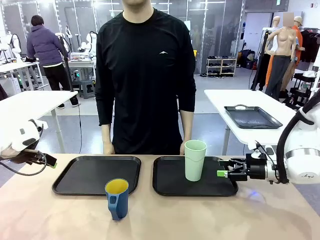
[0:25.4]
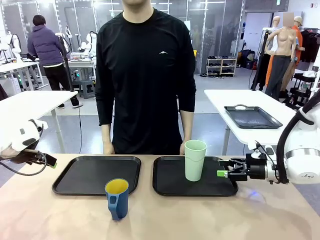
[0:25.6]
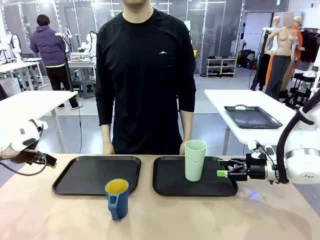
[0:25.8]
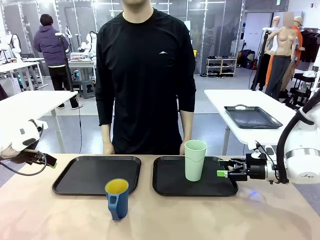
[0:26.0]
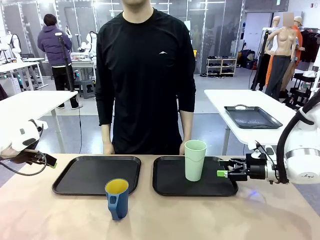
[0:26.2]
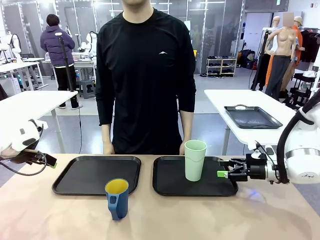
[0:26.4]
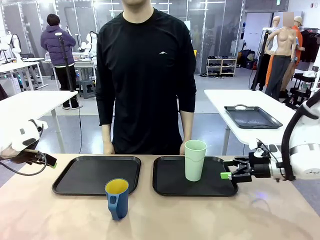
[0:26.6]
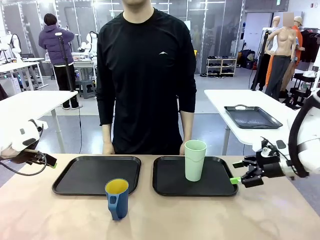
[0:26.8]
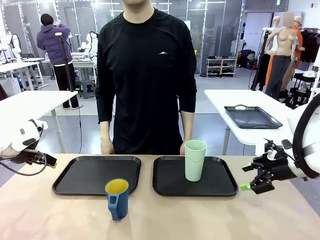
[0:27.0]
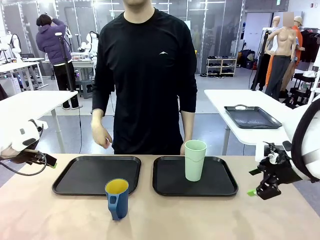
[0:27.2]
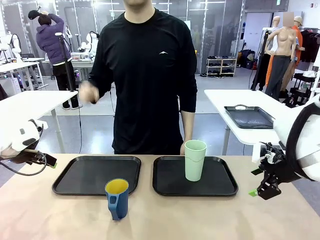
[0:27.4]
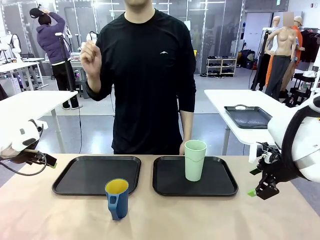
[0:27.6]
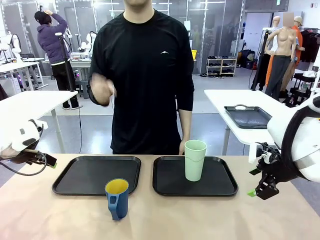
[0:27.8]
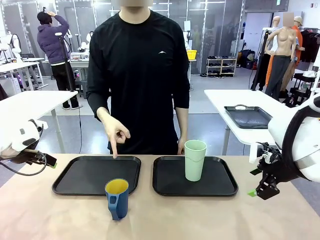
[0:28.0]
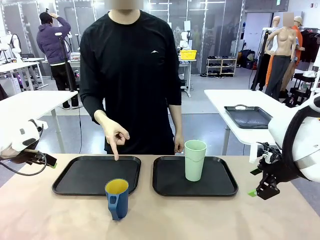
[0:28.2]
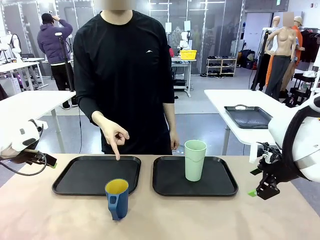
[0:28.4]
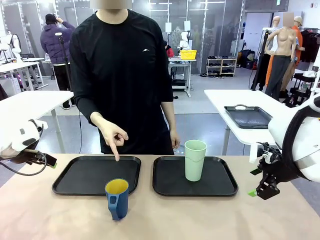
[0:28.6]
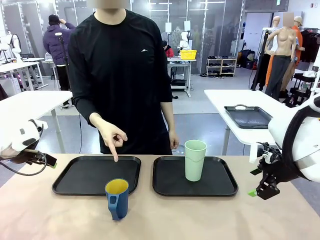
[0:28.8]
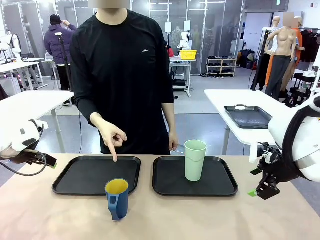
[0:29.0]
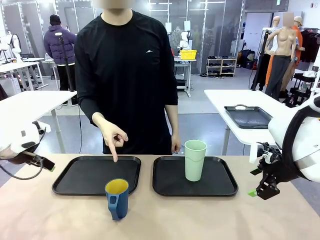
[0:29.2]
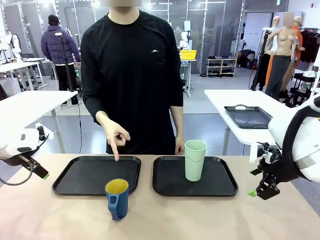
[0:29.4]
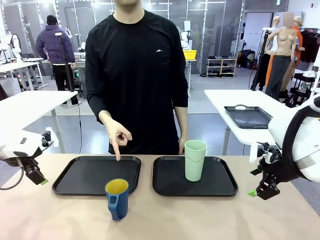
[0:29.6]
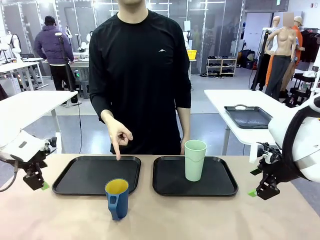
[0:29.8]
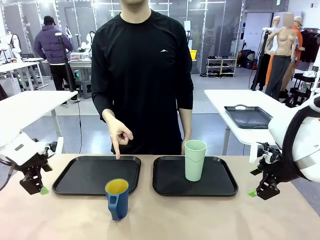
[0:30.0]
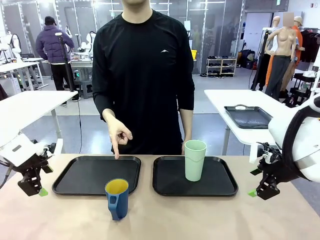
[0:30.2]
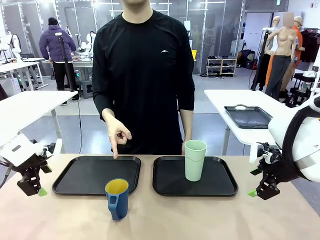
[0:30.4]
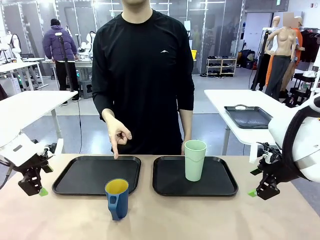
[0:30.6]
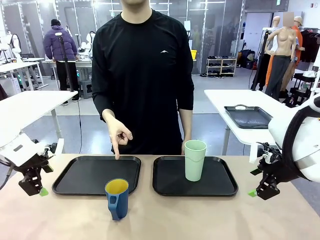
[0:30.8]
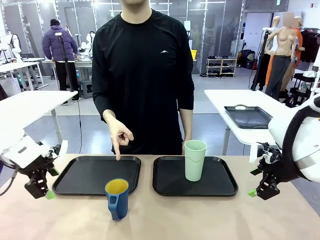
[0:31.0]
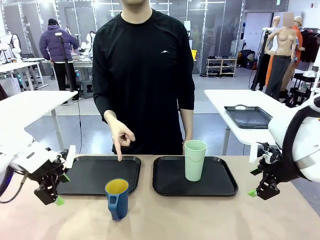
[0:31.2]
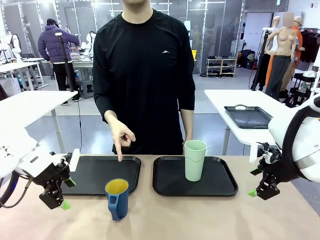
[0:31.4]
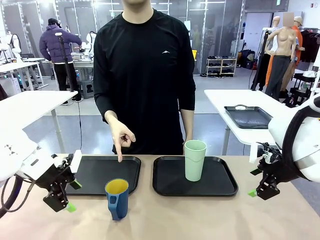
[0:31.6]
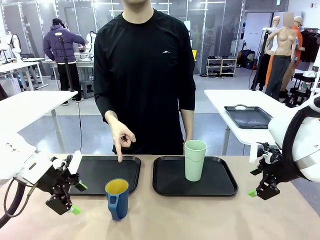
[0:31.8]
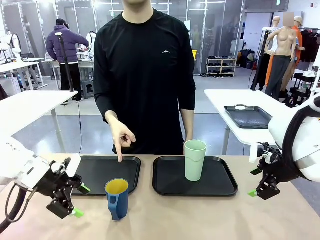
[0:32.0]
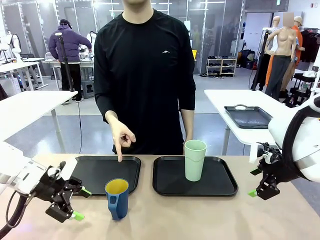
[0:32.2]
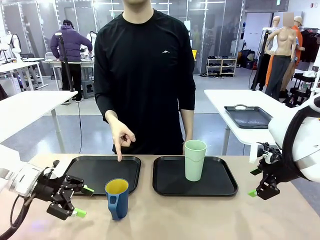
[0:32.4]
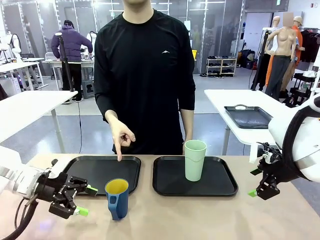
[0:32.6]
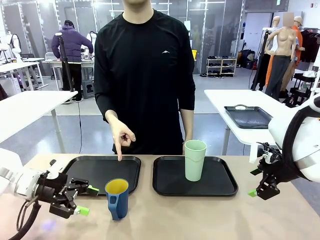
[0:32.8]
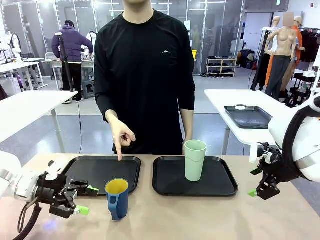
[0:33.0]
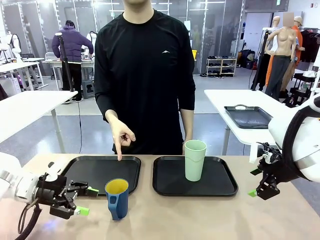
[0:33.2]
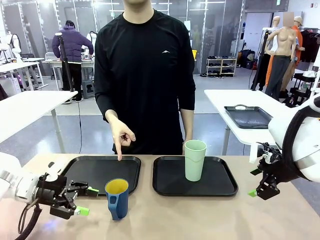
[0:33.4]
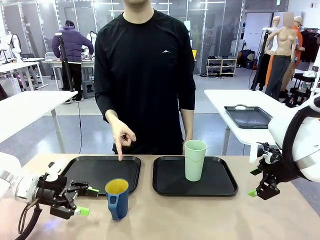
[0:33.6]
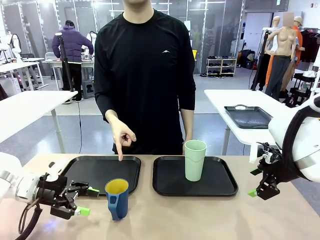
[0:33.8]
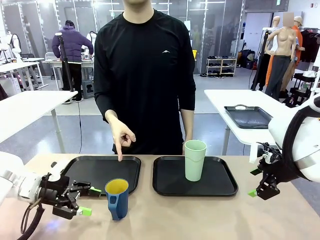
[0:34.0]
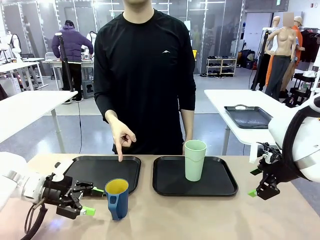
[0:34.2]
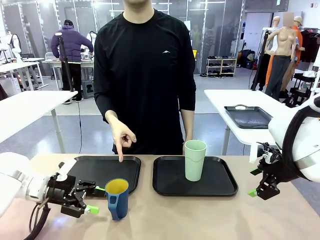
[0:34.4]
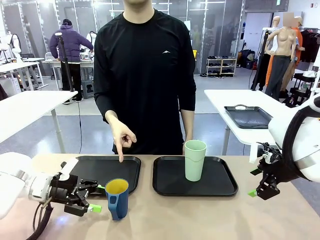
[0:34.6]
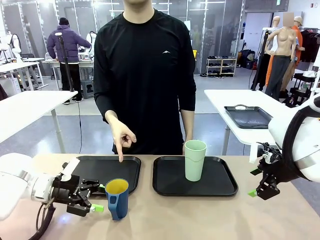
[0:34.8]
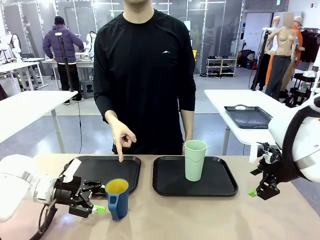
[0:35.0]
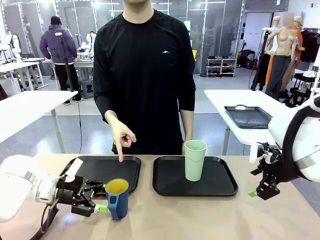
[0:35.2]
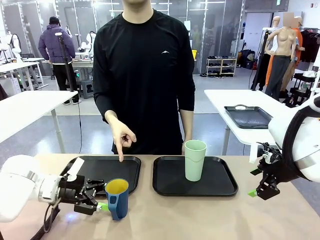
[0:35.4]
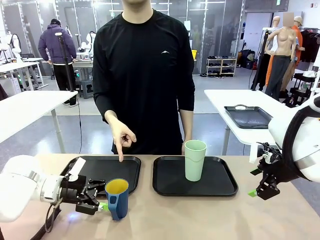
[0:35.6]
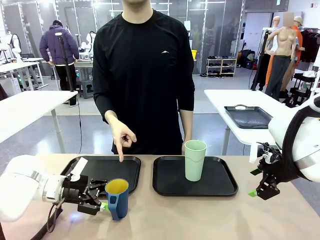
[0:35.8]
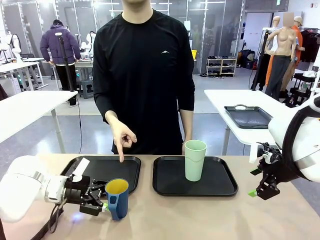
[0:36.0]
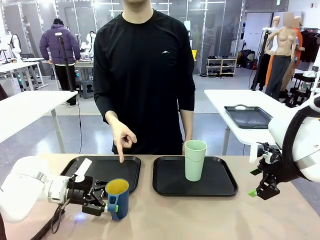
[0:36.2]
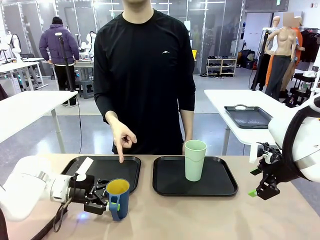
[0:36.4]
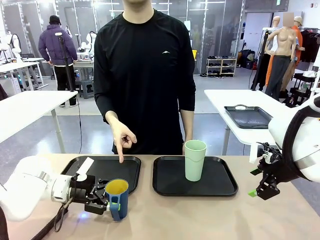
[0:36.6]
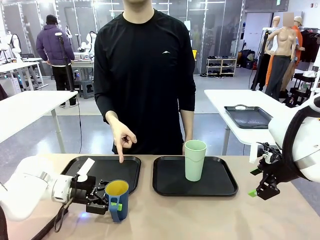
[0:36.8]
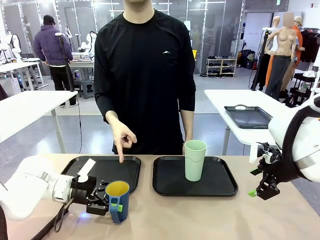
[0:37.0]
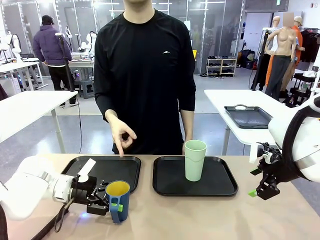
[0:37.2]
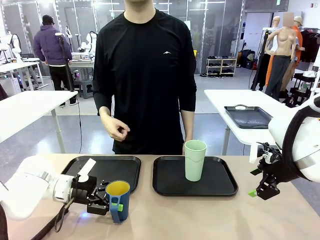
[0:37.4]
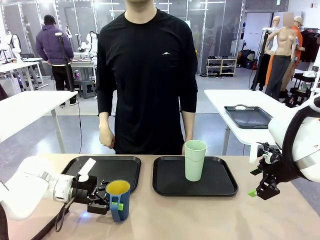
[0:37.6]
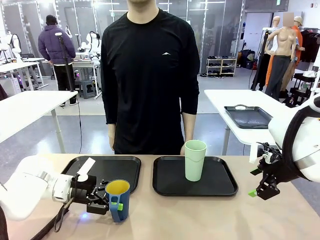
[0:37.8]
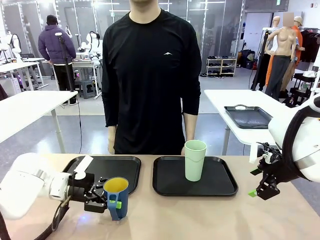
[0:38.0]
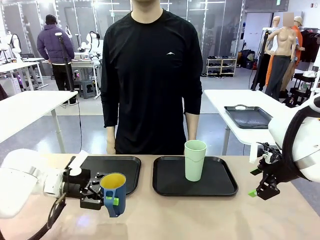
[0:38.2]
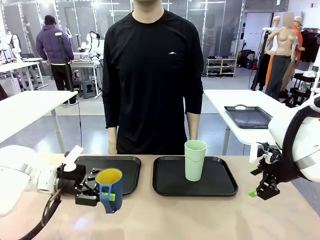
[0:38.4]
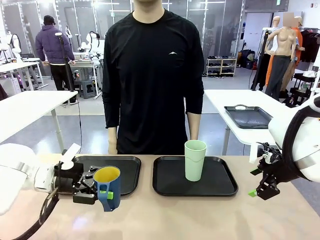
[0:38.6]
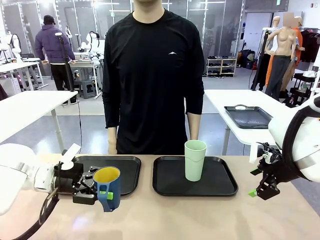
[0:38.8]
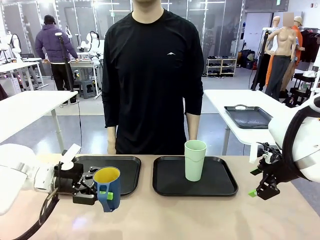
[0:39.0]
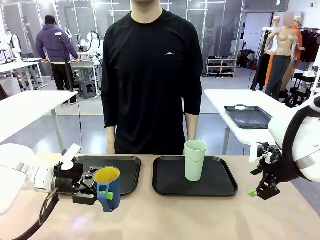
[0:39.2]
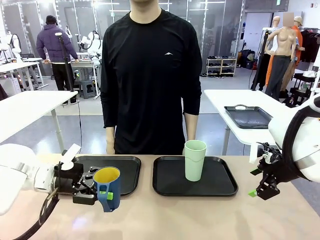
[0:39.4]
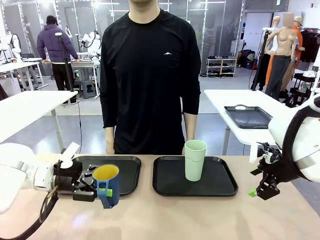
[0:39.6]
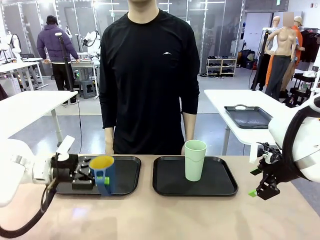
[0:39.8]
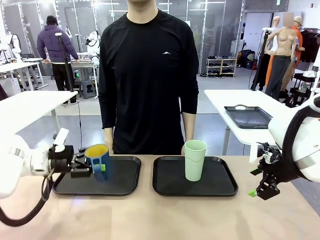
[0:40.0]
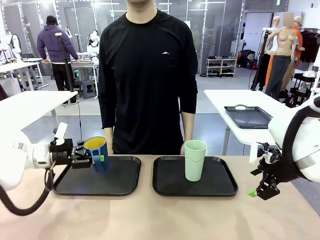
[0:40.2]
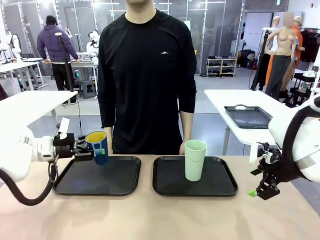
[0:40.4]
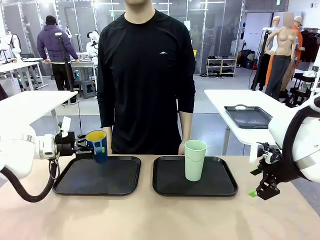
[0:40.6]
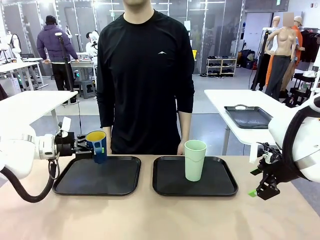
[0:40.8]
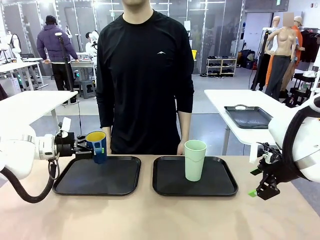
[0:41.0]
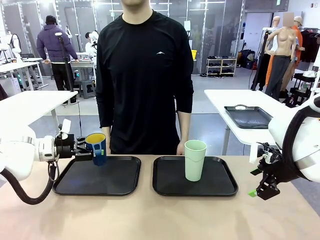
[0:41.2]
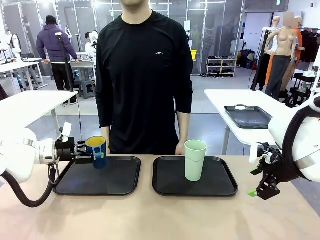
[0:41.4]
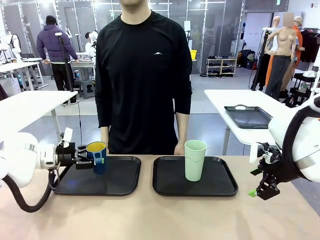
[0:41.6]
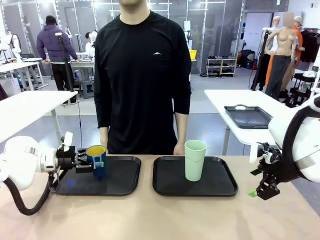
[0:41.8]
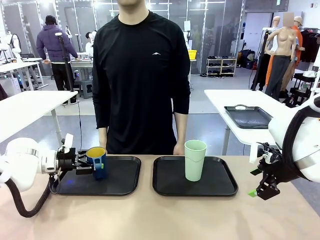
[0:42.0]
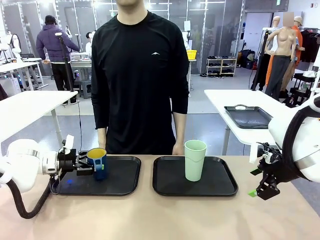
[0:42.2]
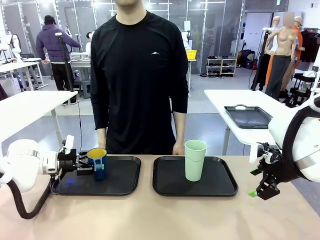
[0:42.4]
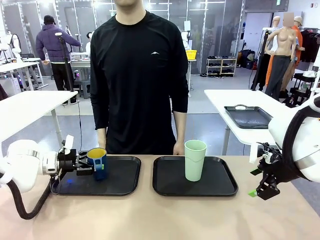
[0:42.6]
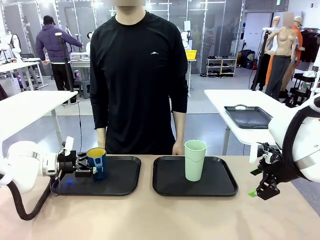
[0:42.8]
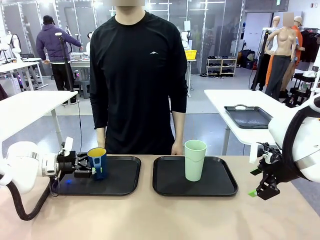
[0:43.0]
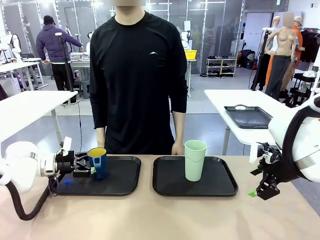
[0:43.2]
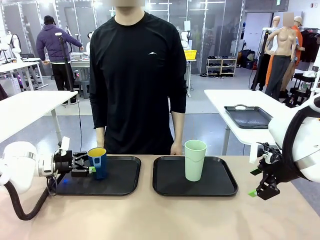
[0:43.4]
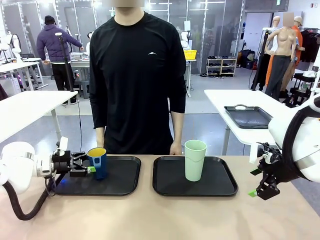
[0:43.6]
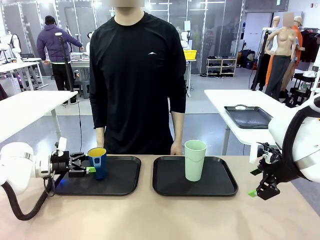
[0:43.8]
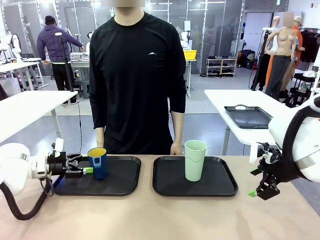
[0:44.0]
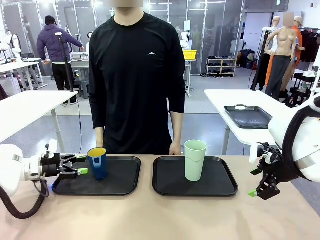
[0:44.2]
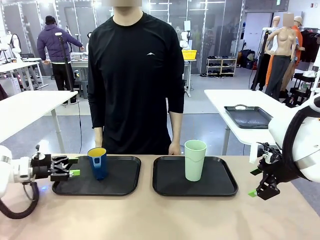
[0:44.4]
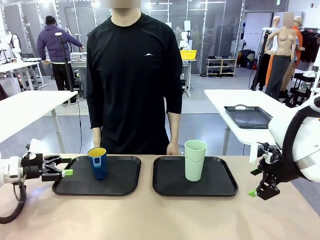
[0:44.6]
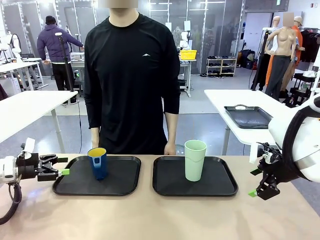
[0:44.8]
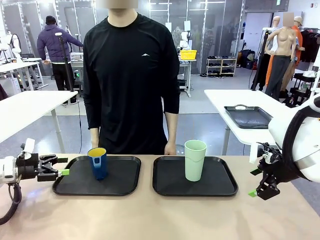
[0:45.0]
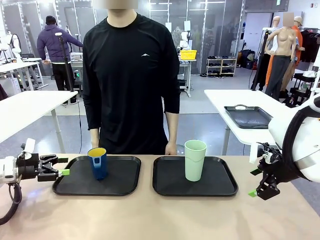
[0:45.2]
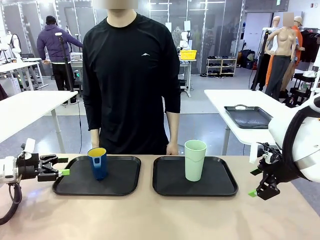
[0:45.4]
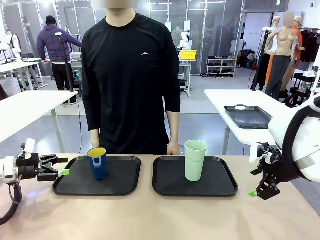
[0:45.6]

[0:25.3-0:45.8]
Task: Sort and store the cups by type.
Robot: Pick up the Handle plastic cup and place it into the empty Flat Tray.
Person: Points to the cup with a handle.

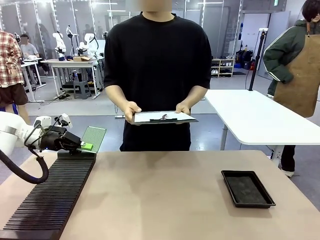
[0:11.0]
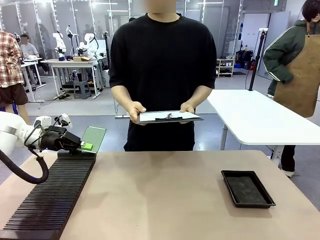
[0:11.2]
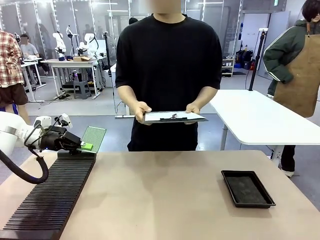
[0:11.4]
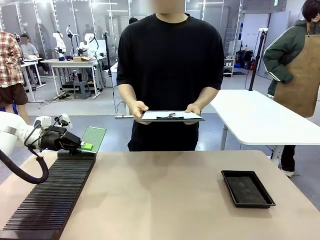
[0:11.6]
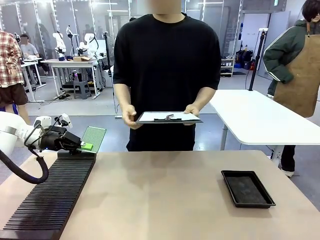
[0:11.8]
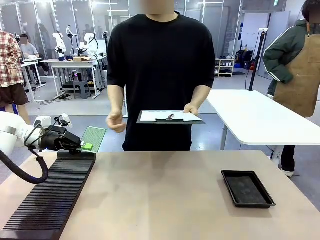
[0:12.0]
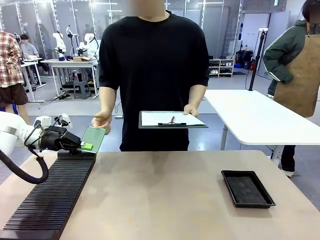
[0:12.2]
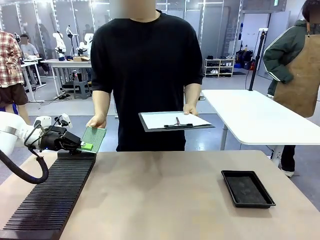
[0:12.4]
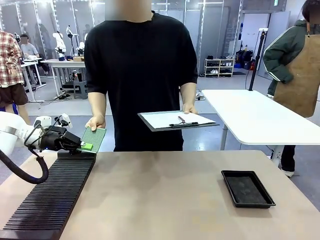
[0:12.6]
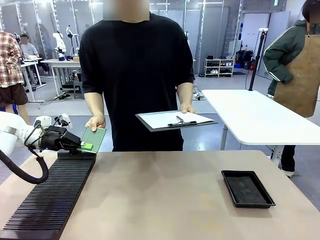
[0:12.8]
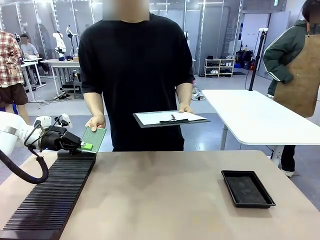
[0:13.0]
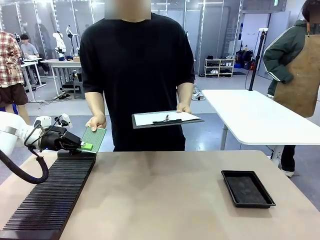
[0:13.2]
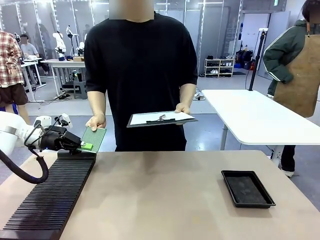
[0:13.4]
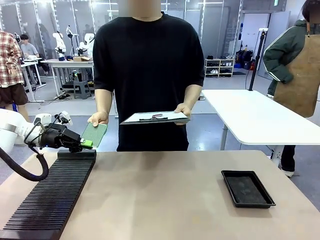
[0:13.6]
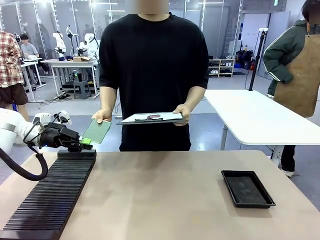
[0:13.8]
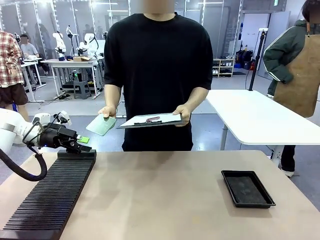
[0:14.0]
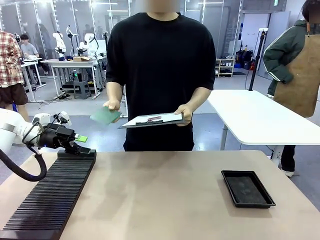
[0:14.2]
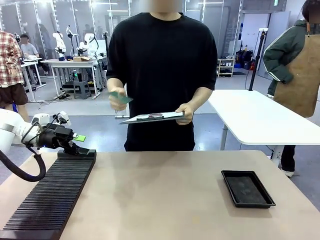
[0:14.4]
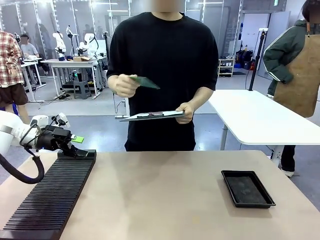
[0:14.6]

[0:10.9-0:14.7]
Task: Inspect the PCB.
Robot: Release the Blank PCB you were holding.
